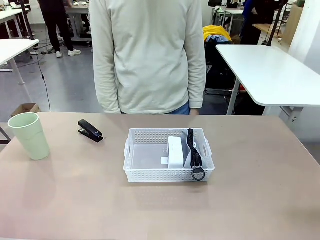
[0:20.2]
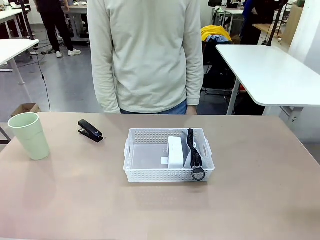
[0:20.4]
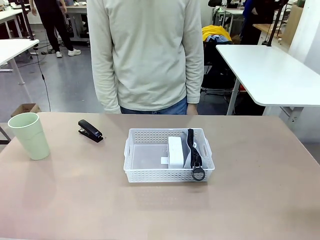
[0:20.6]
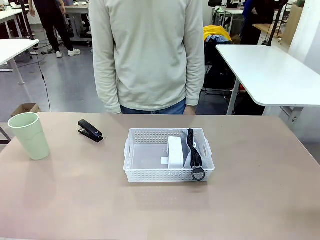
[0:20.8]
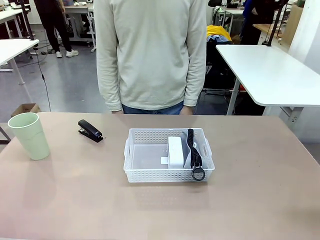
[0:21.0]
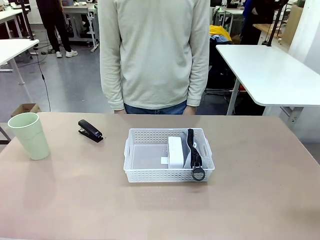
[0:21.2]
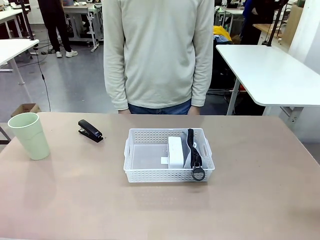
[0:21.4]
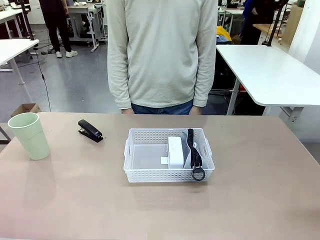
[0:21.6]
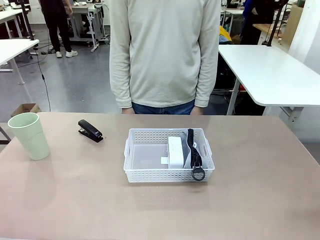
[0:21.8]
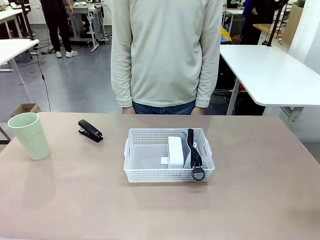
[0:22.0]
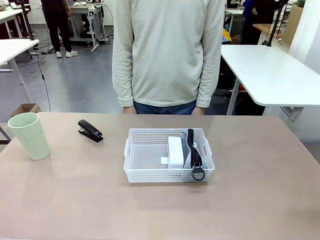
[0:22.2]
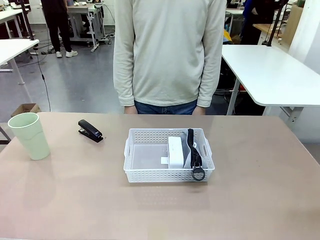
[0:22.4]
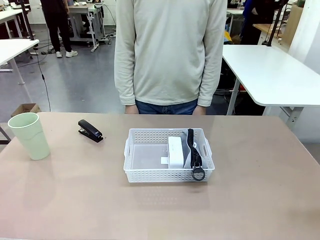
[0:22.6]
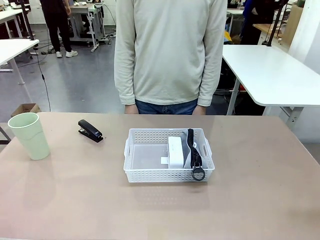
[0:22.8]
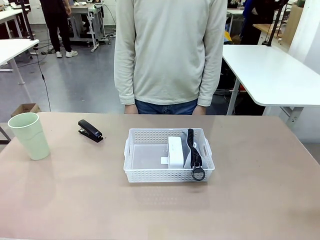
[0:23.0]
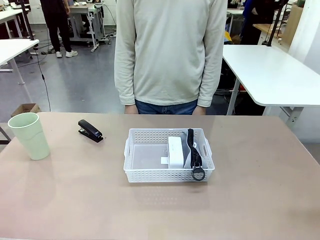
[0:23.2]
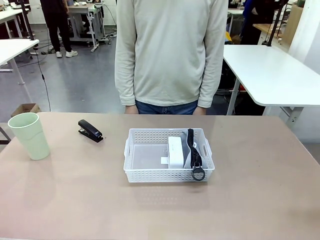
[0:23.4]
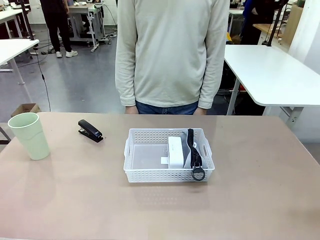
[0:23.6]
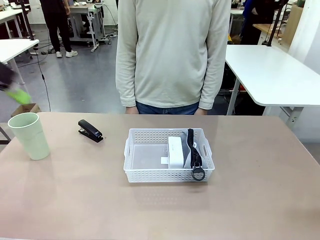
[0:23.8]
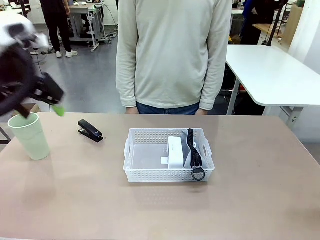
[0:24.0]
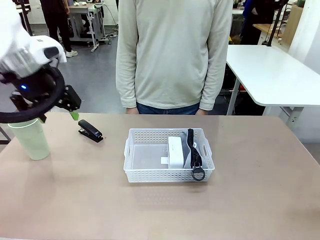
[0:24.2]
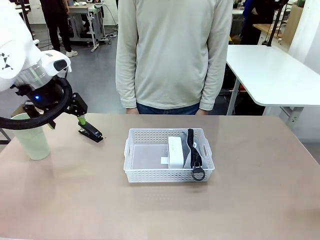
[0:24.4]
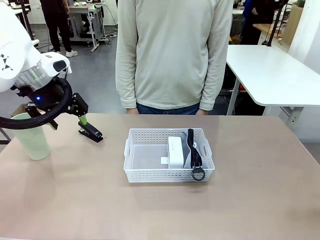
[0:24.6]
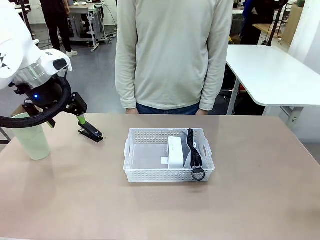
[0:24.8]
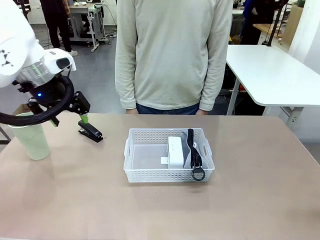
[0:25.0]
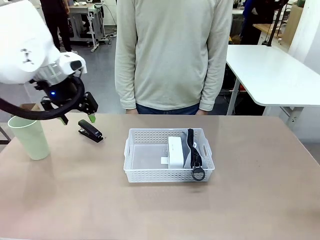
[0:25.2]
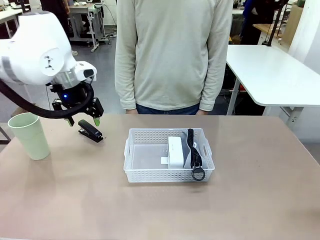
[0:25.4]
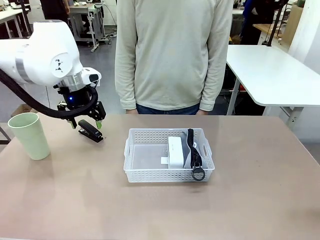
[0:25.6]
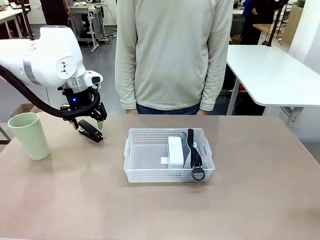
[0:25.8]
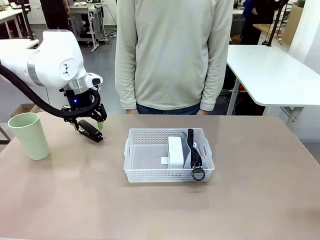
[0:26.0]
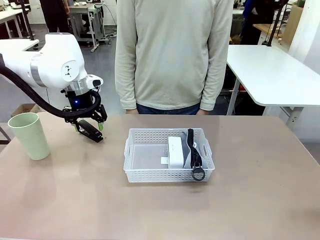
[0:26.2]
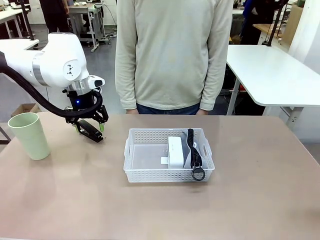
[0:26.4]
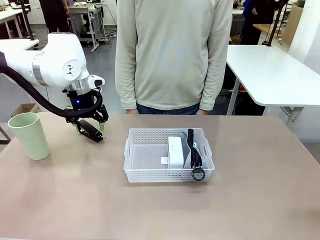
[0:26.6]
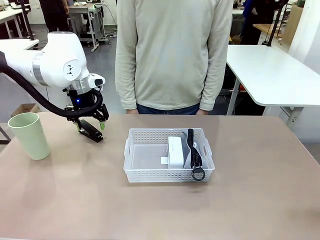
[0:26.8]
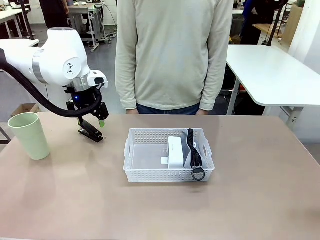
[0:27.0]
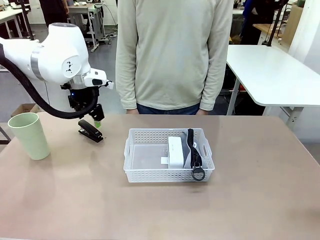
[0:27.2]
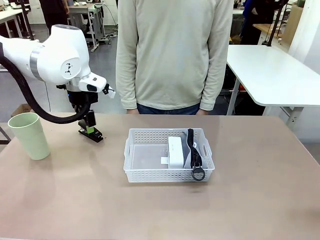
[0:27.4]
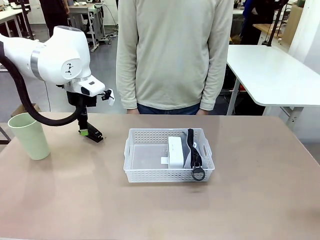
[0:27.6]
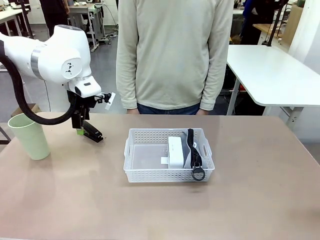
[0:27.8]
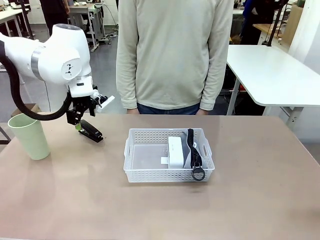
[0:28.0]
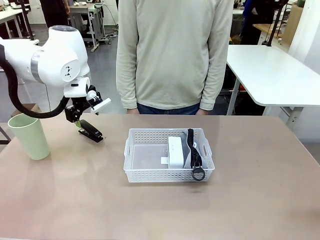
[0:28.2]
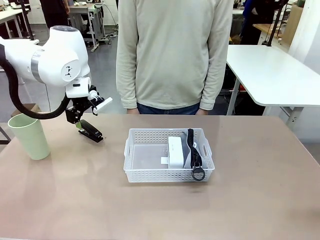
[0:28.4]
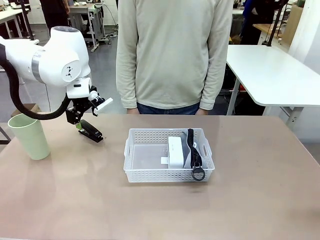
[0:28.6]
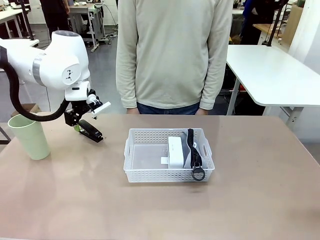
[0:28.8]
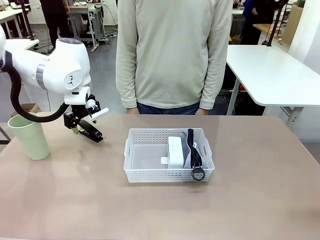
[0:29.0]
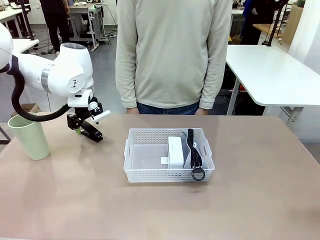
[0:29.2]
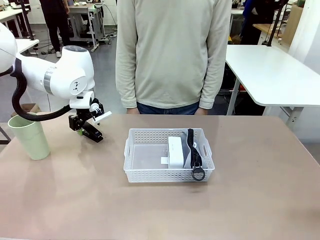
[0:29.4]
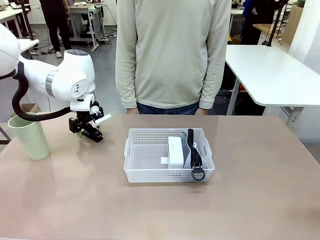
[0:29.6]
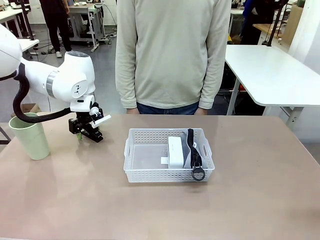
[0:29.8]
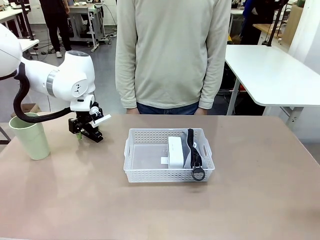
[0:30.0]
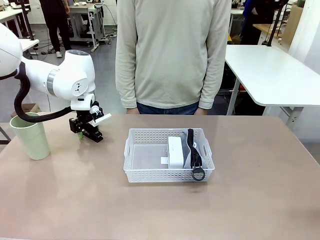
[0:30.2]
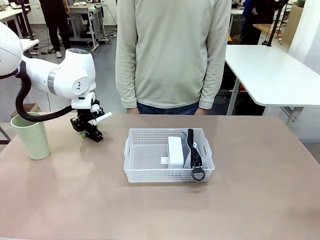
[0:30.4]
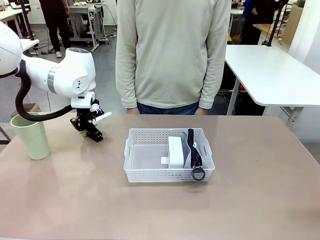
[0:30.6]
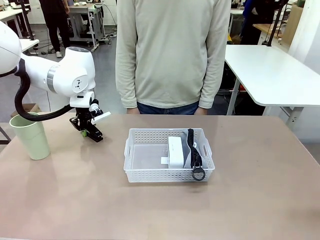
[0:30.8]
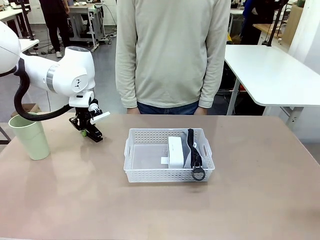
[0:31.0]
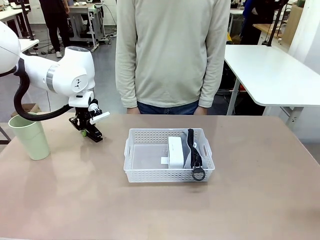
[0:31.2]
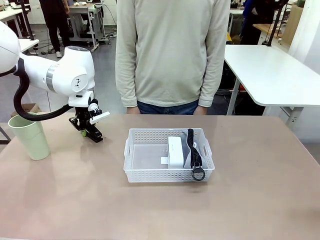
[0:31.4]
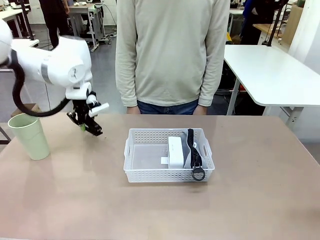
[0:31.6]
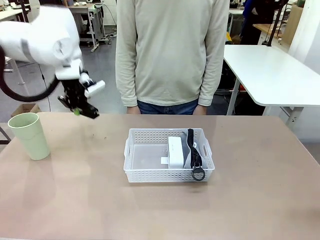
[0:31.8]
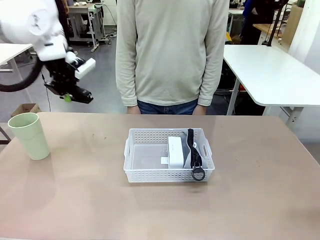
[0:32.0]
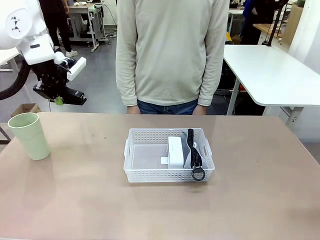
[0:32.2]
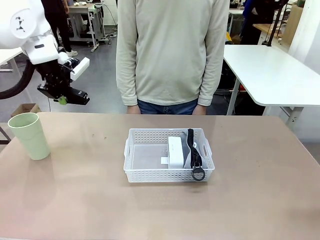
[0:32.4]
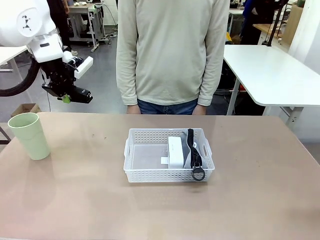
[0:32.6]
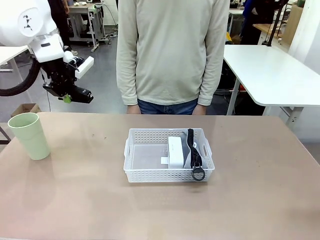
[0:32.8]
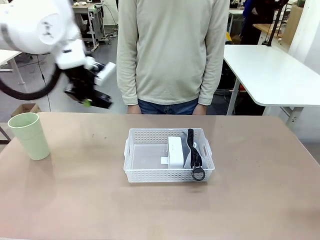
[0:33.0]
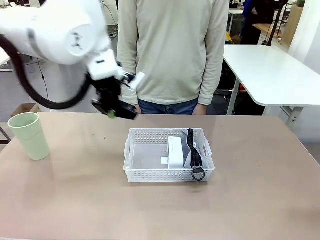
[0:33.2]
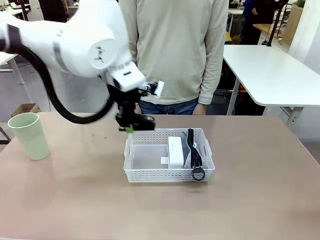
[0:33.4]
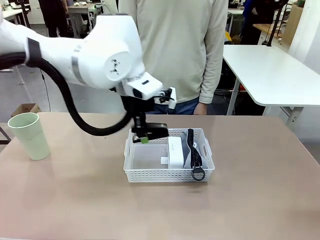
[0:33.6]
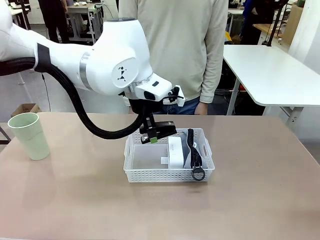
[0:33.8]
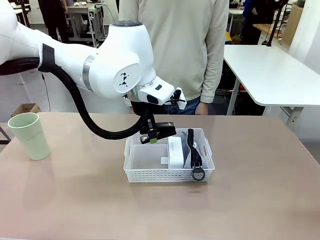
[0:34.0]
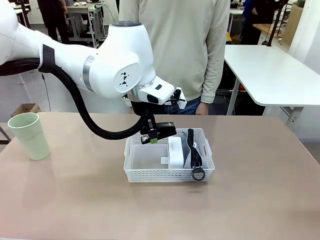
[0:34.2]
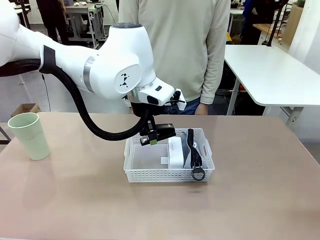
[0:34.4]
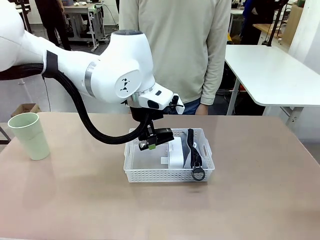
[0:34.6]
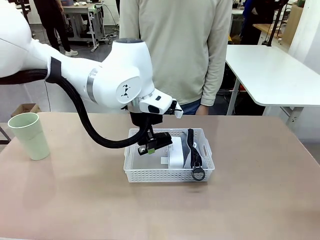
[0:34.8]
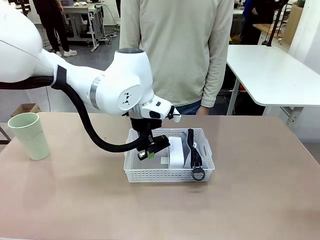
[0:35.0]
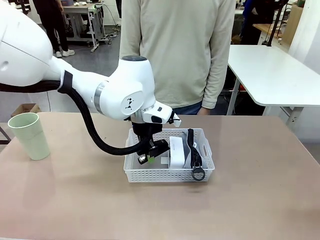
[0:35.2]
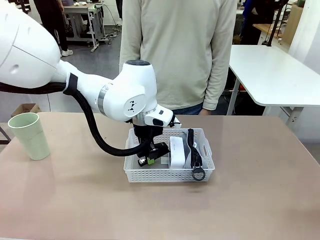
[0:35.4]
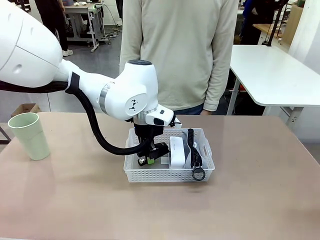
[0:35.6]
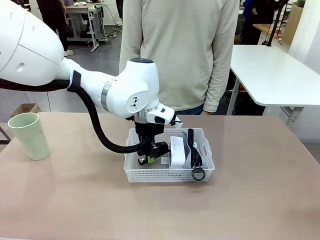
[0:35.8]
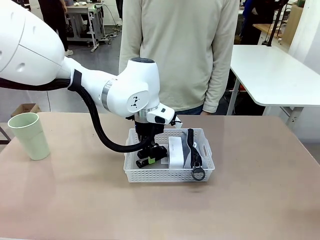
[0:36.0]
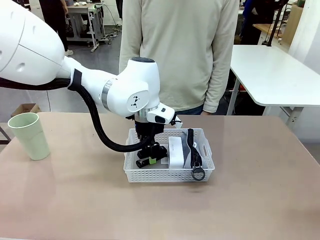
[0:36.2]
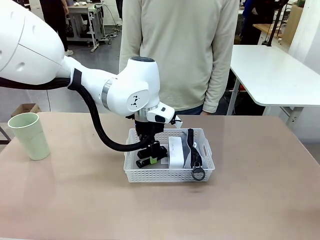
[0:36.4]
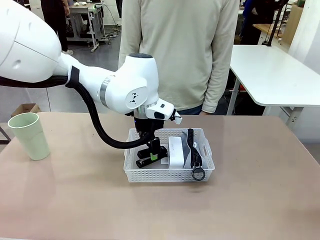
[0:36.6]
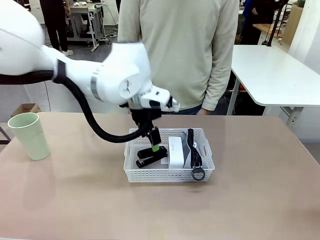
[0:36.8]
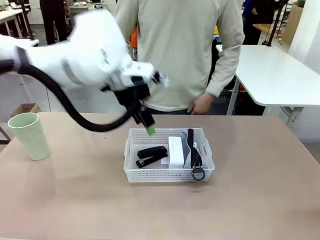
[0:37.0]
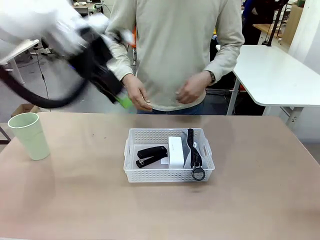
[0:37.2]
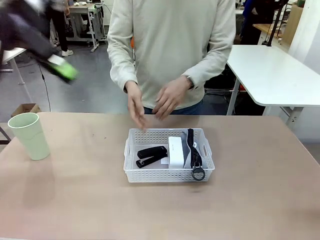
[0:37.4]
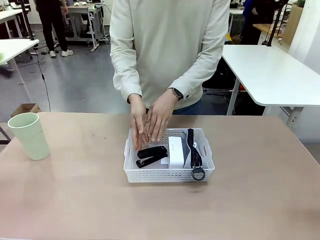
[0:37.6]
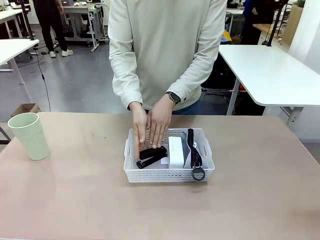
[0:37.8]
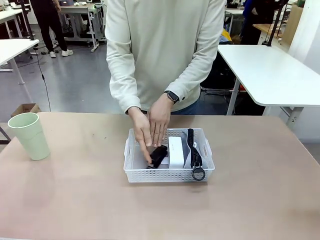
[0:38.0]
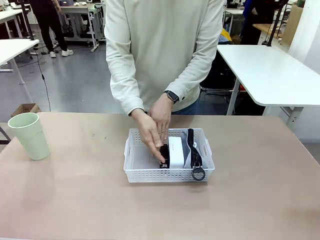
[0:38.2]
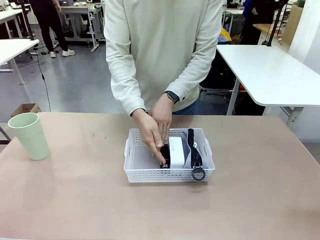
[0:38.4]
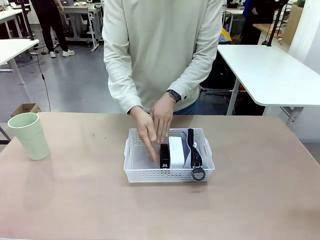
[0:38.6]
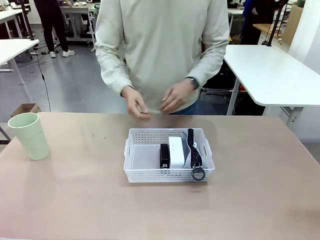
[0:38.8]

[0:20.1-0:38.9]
Task: Efficiently arrange items inside the basket to fit them all.
Robot: Pick up the Stapler and place it inside the Organizing basket.
